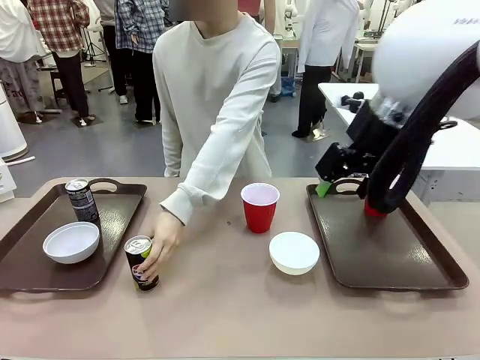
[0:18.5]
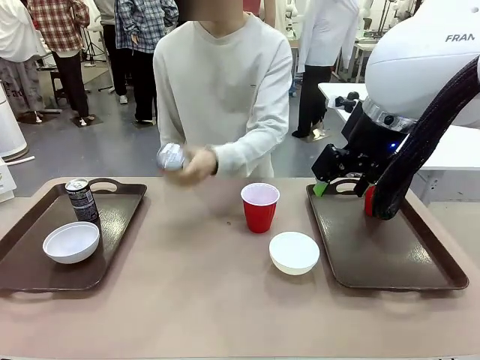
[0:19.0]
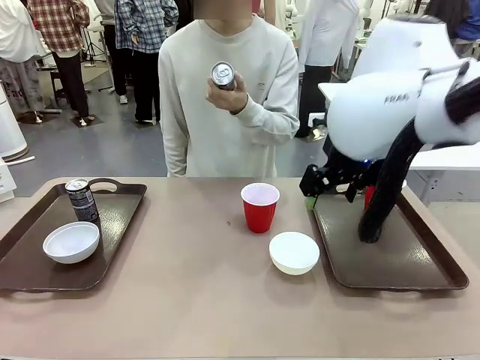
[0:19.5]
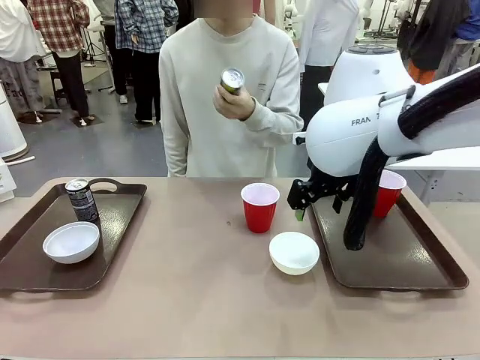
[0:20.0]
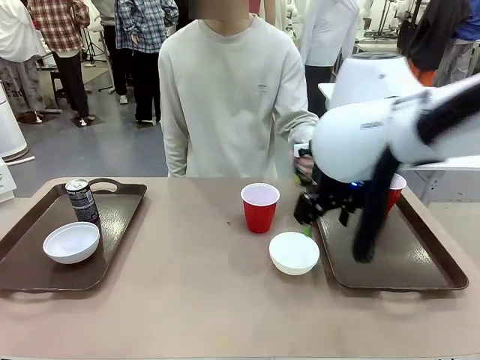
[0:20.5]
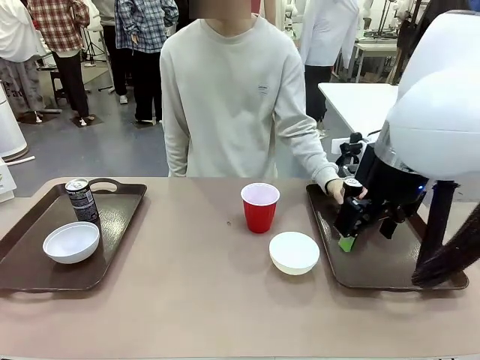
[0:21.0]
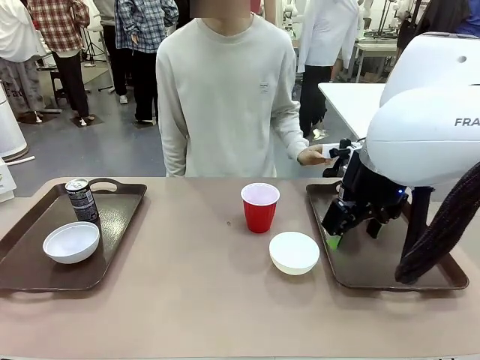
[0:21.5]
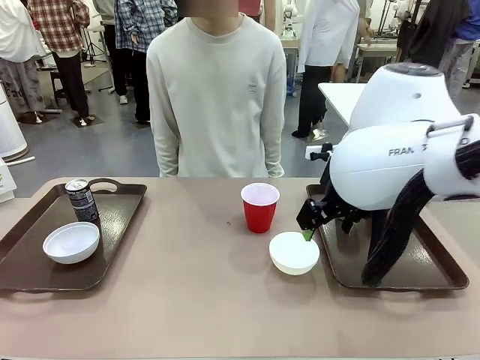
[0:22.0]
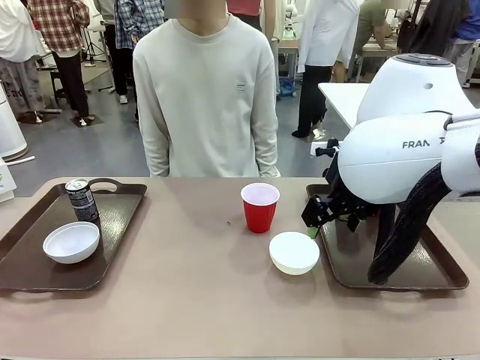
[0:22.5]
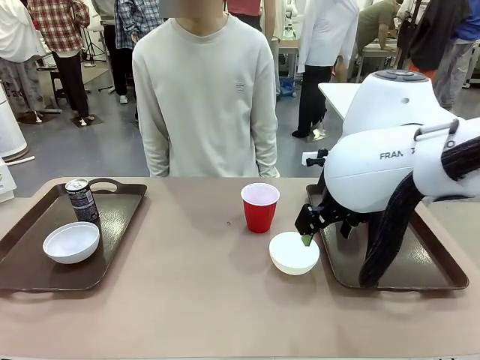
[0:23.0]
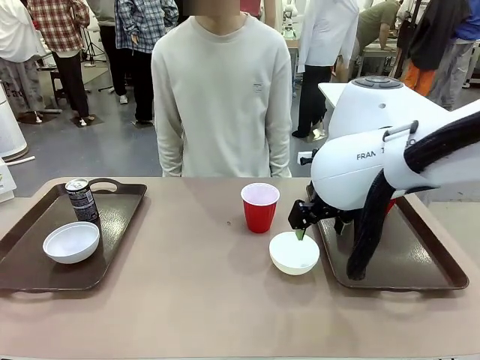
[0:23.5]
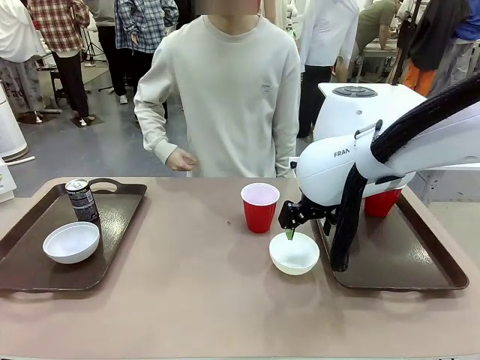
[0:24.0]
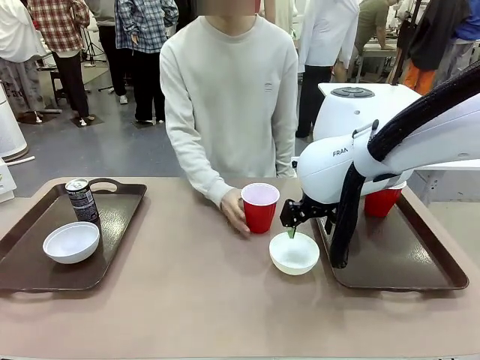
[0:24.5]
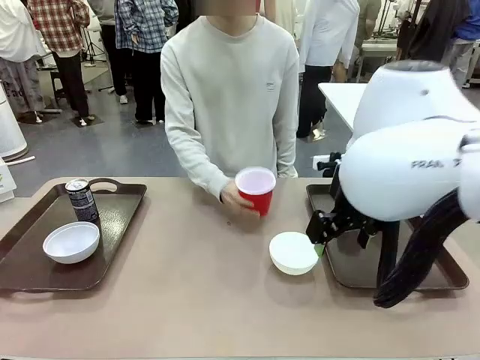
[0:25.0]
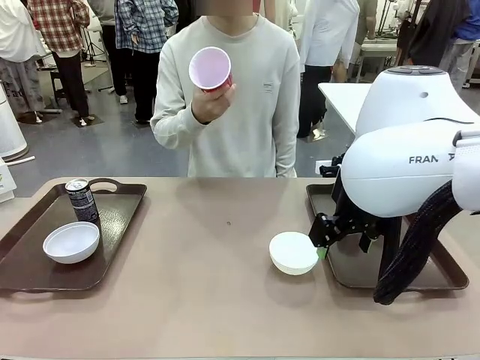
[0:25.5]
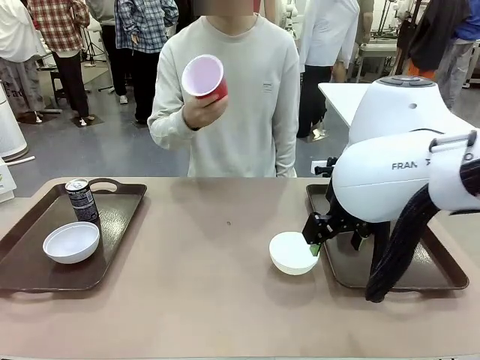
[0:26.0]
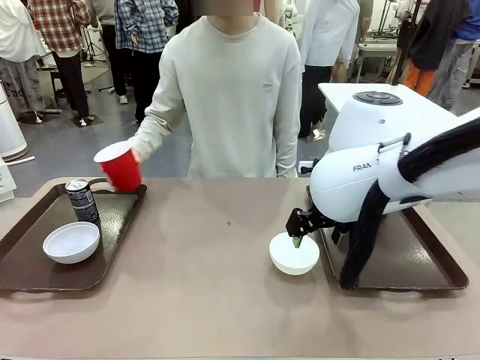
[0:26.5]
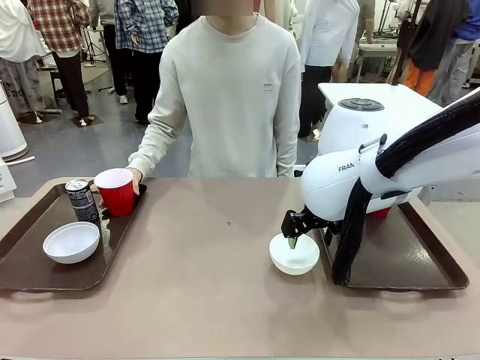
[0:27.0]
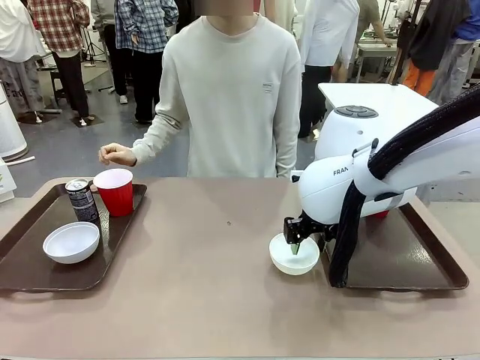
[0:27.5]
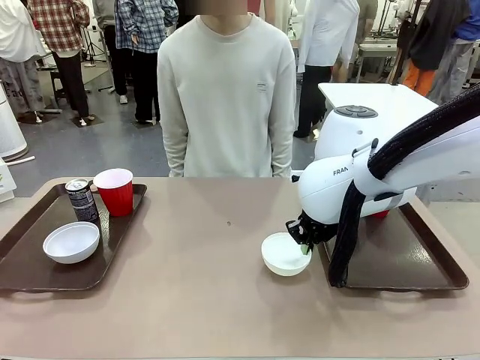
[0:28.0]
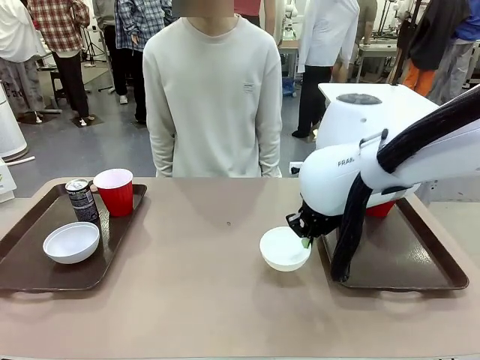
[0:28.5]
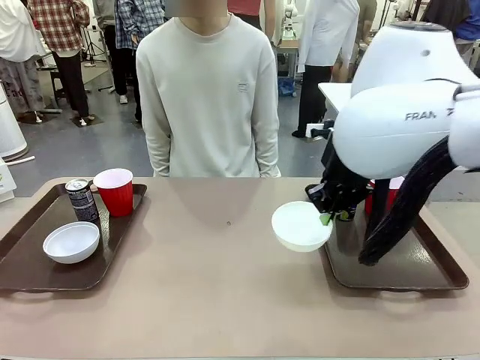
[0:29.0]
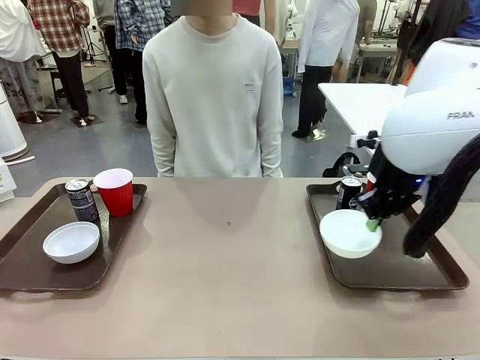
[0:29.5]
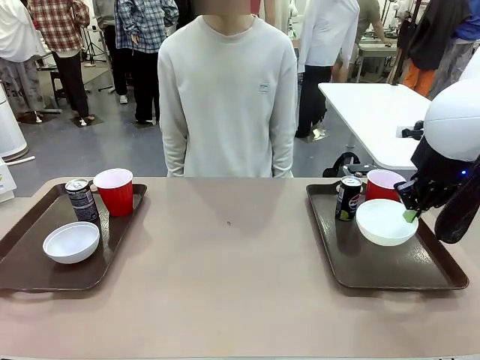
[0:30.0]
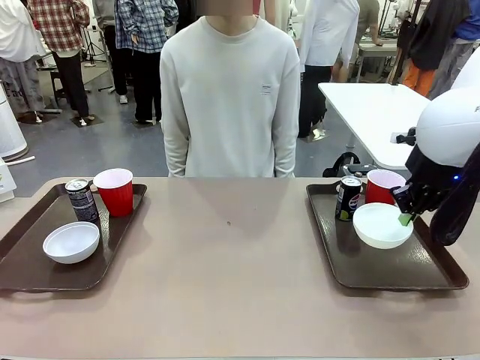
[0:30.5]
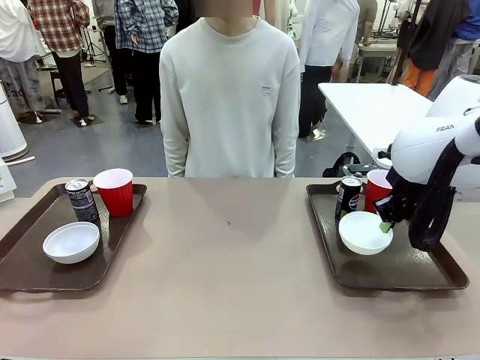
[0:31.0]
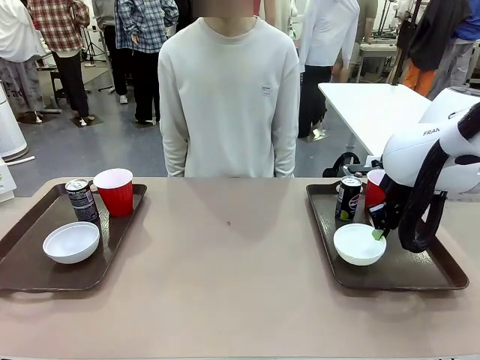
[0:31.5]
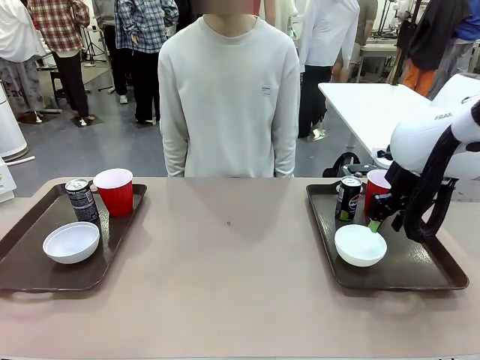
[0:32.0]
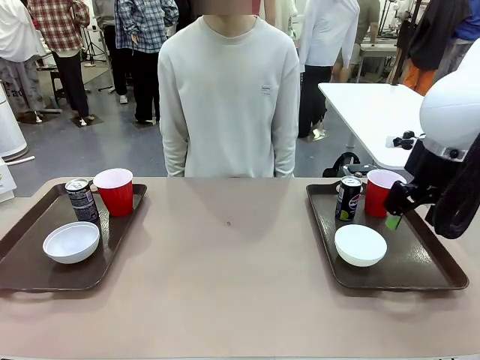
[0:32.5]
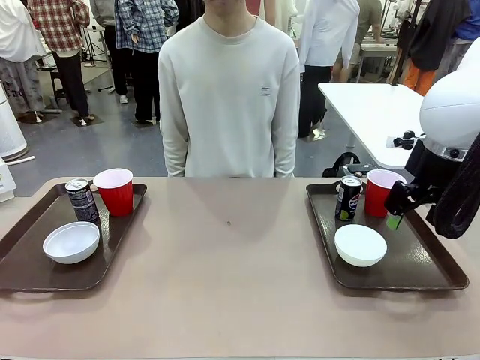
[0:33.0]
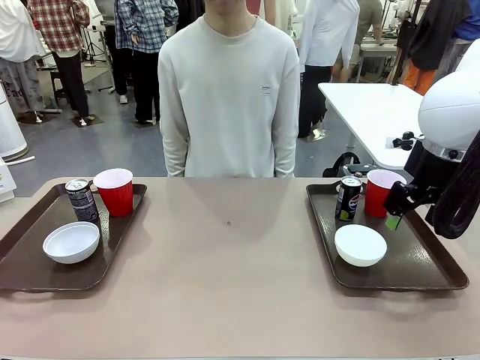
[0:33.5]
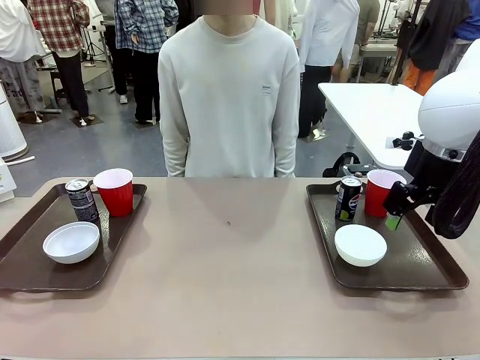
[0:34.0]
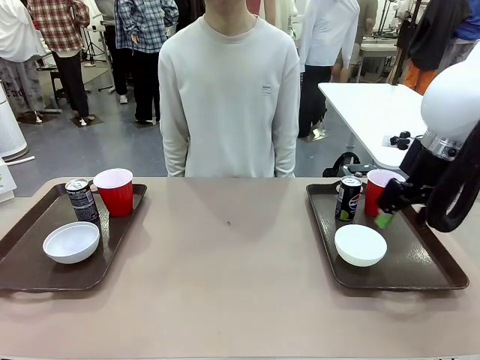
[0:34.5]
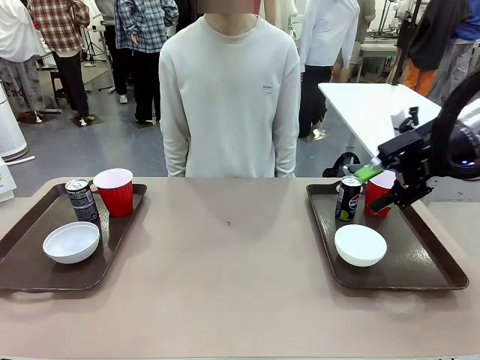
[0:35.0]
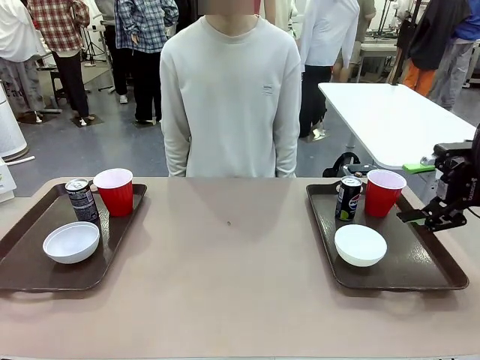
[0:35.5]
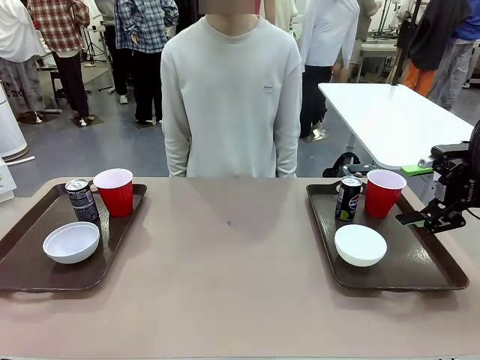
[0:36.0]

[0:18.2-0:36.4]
Task: Prepare tableware on both trays.
Robot: Pick up a Picnic Bowl from the table and place it on a Handle tray.
Person: Pick up a can or cup and place it on the tray without a can or cup.
